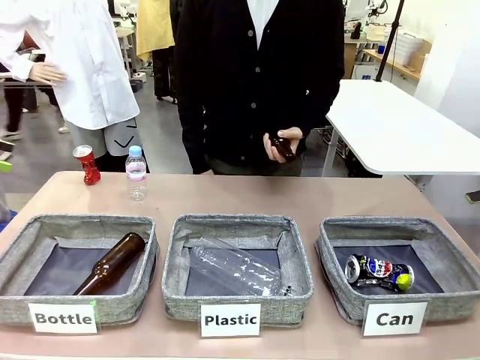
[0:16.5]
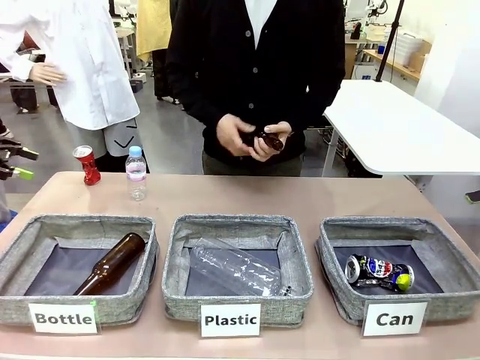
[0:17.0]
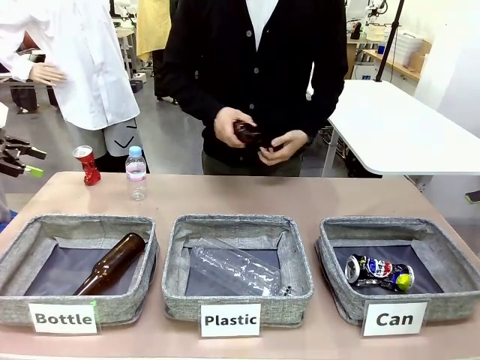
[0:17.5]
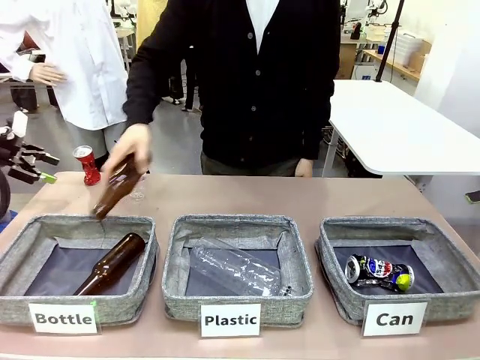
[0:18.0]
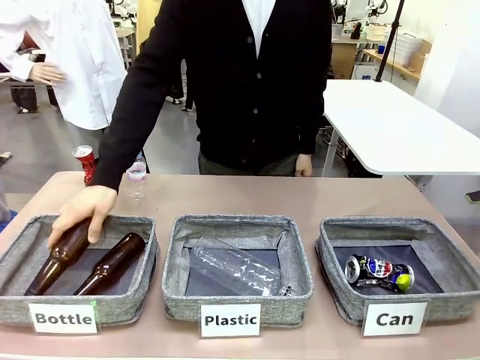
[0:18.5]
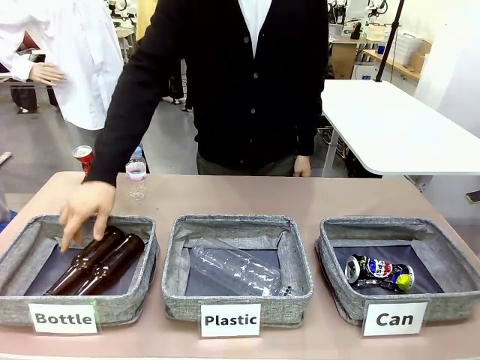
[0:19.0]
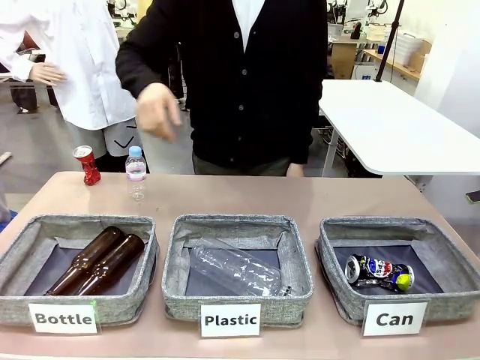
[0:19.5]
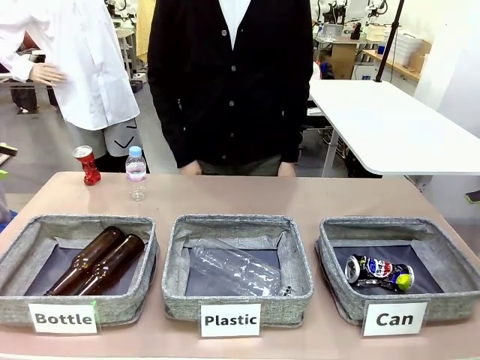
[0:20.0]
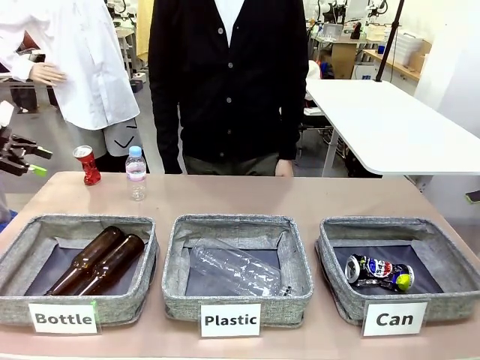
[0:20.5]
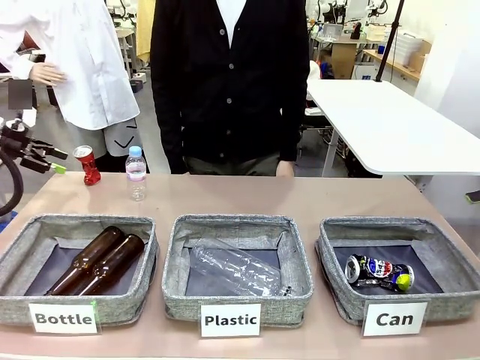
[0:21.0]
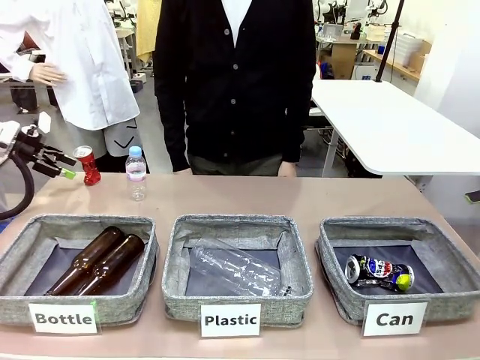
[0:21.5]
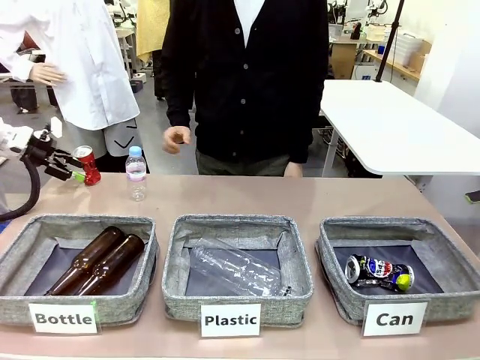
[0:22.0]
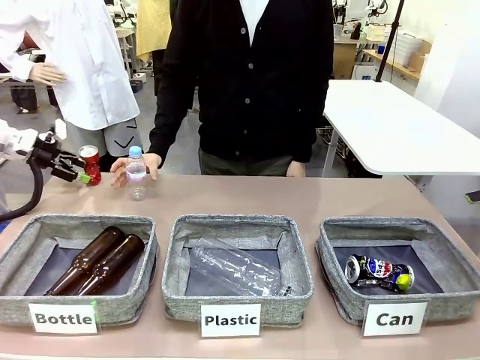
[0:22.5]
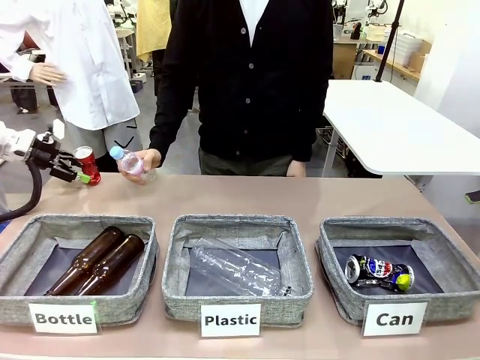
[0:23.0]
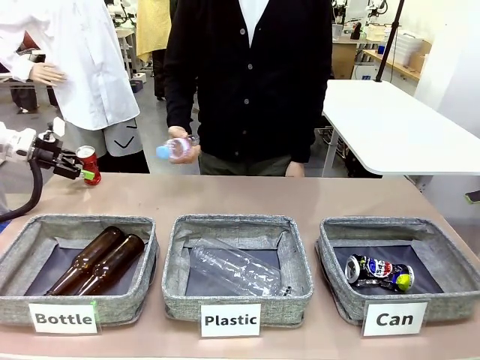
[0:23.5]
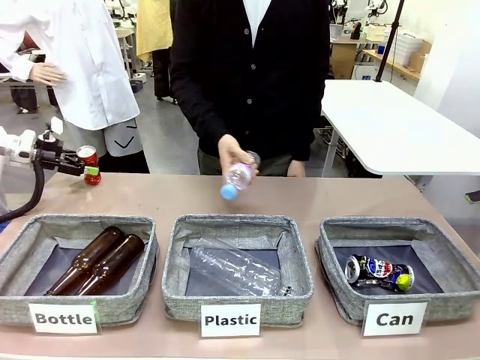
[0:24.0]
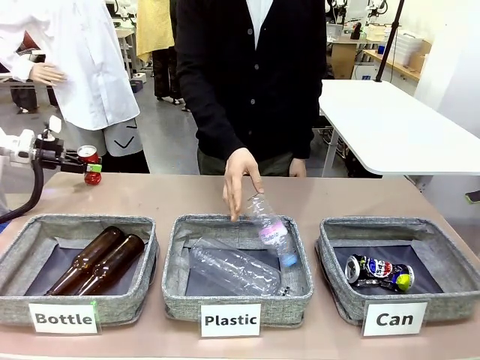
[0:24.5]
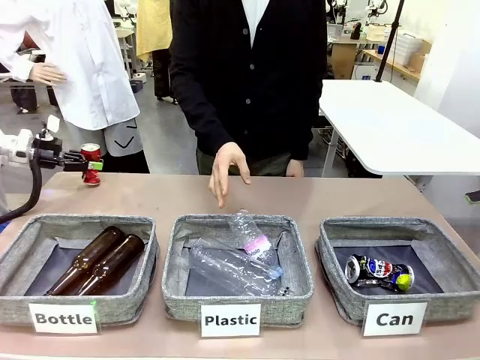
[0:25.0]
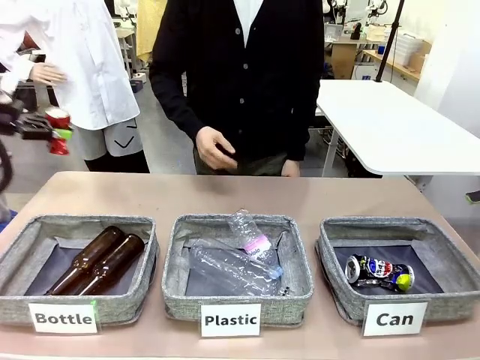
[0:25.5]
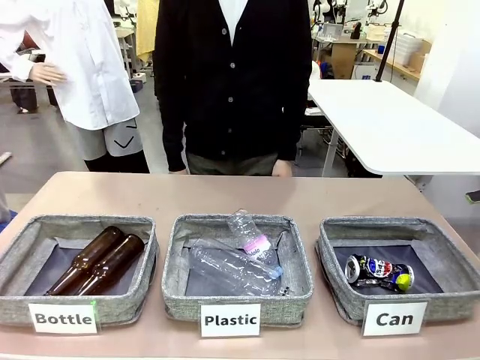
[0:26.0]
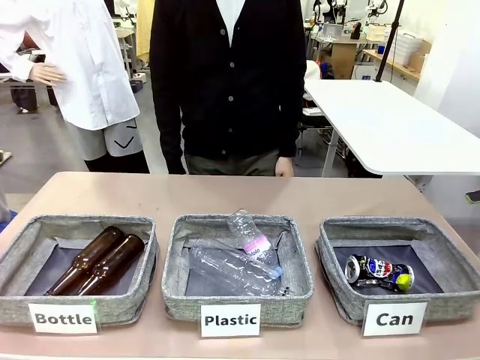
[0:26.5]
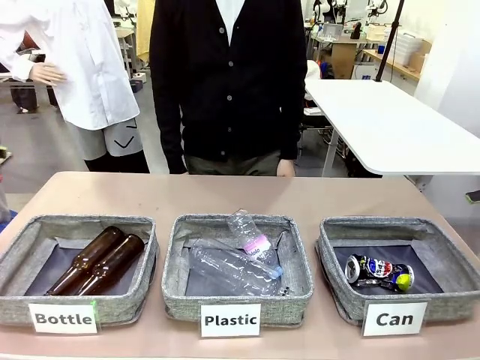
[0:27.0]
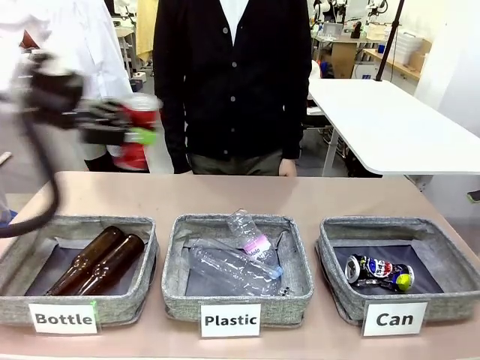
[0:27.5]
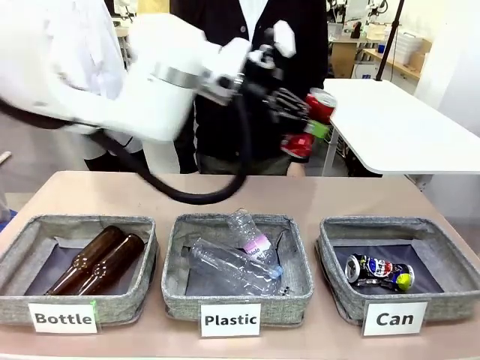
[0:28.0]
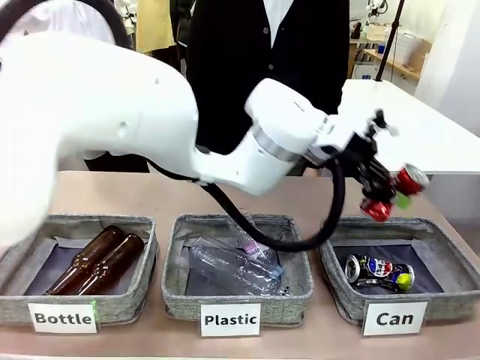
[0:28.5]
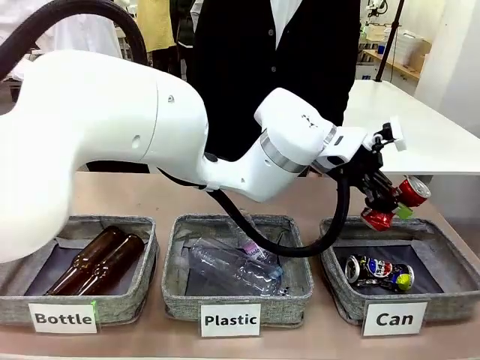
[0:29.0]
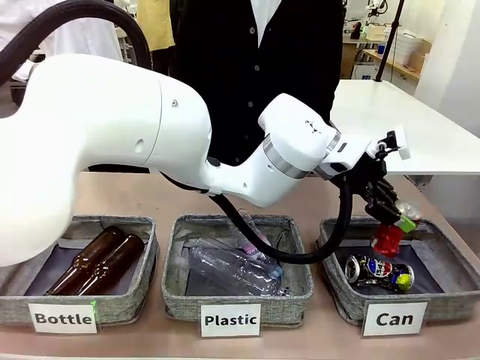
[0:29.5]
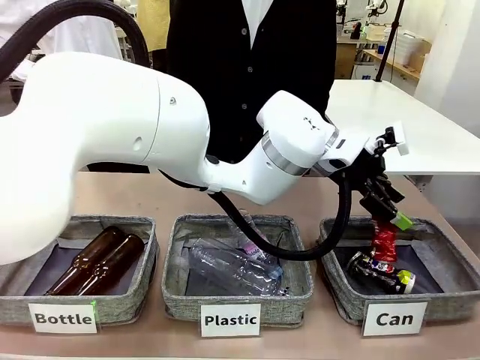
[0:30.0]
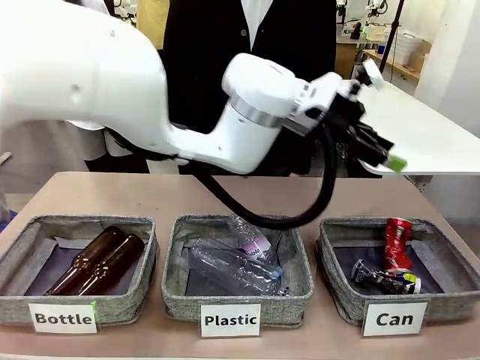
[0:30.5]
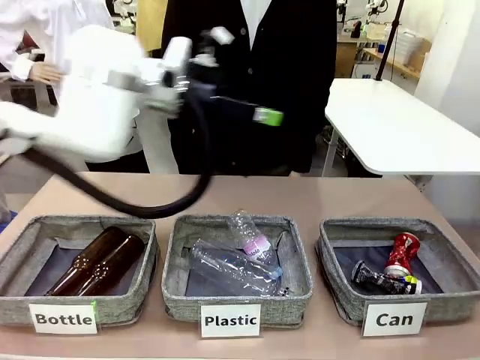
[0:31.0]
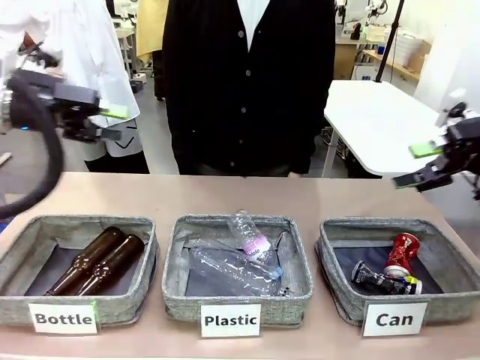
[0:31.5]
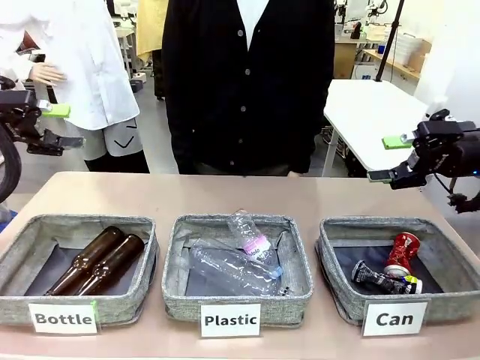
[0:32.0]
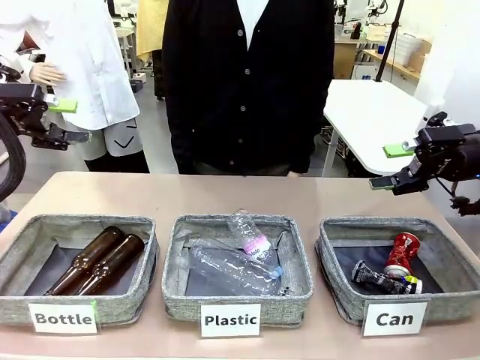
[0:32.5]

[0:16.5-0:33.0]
Task: Sort the can waste into the basket.
Robot: Pick up the can waste from the table and place it in the right Fabric basket.

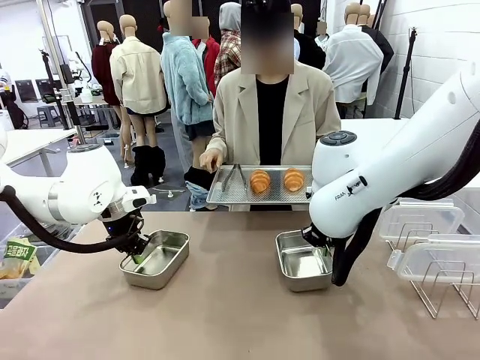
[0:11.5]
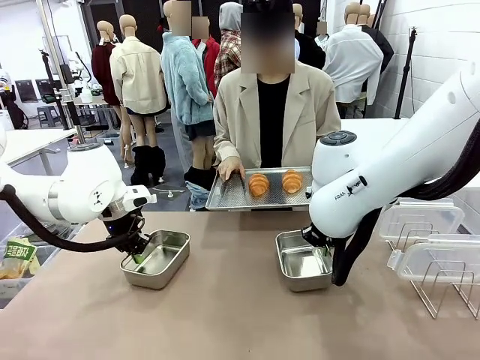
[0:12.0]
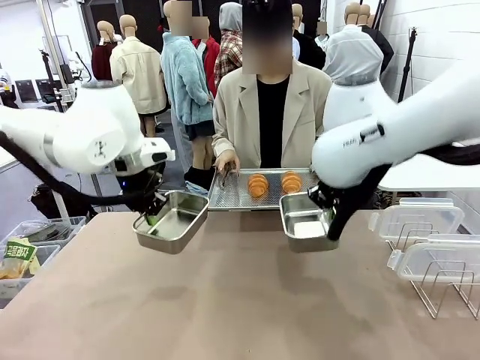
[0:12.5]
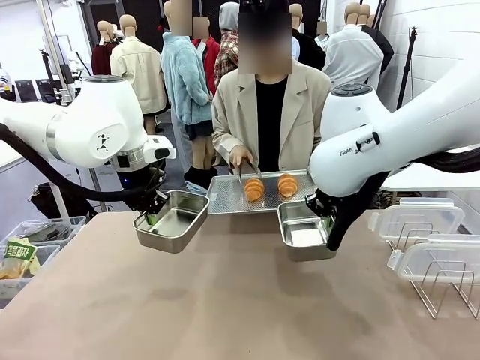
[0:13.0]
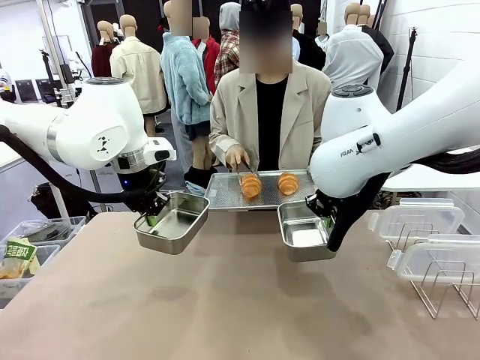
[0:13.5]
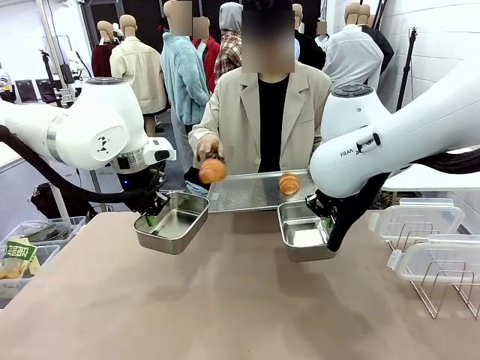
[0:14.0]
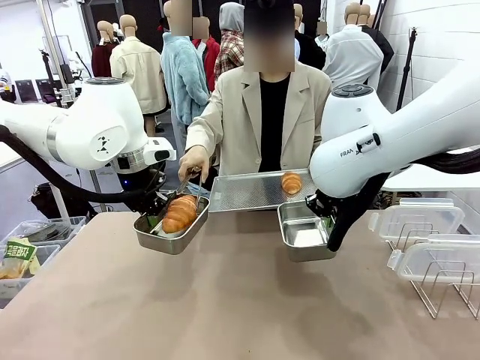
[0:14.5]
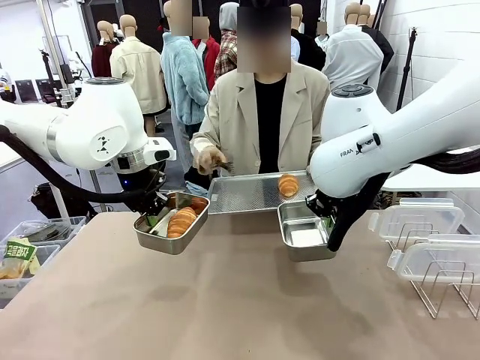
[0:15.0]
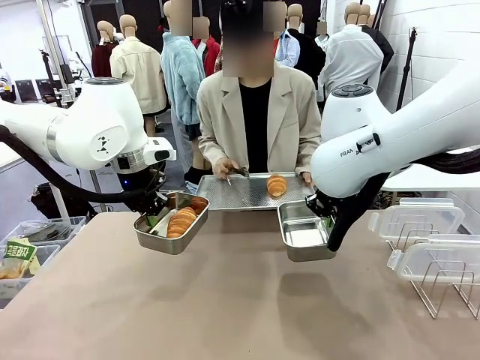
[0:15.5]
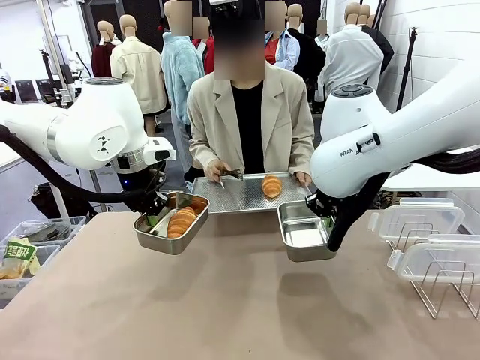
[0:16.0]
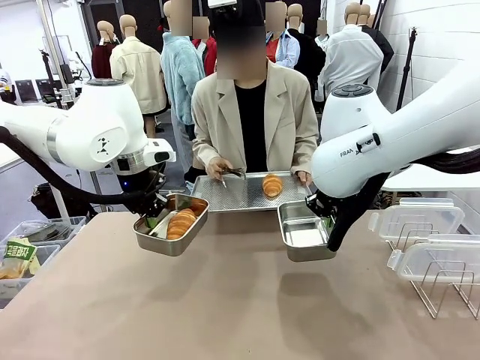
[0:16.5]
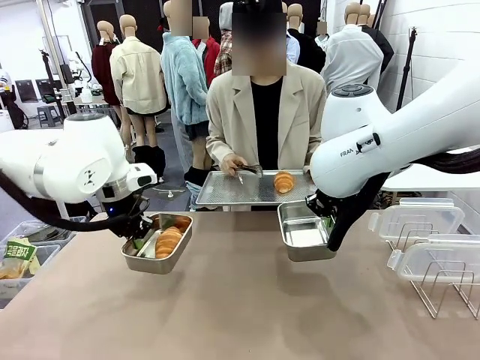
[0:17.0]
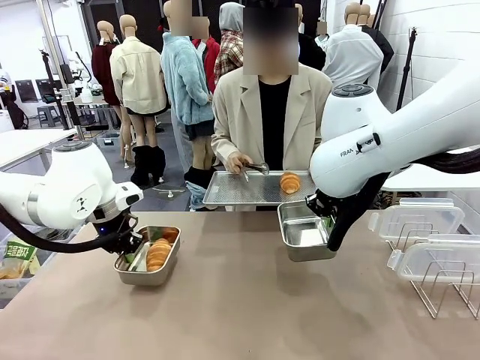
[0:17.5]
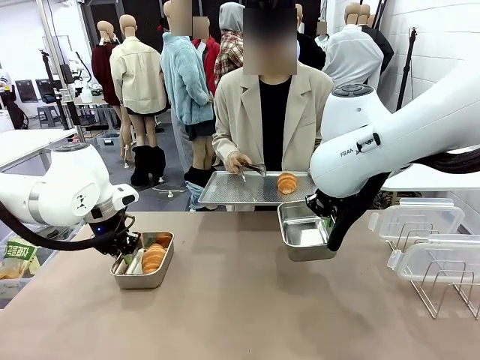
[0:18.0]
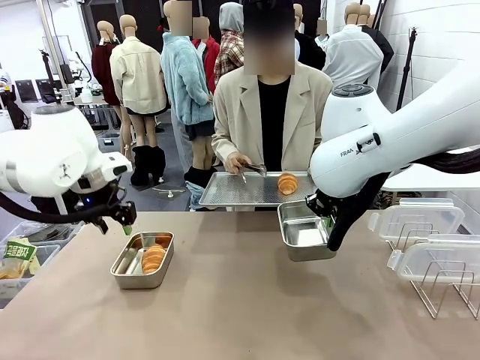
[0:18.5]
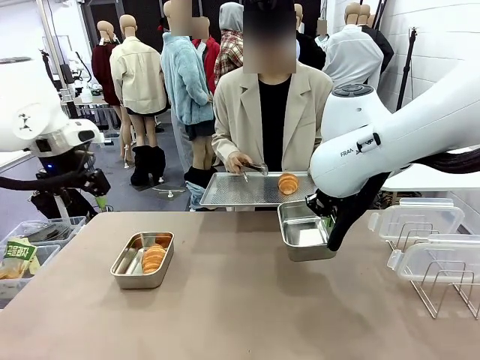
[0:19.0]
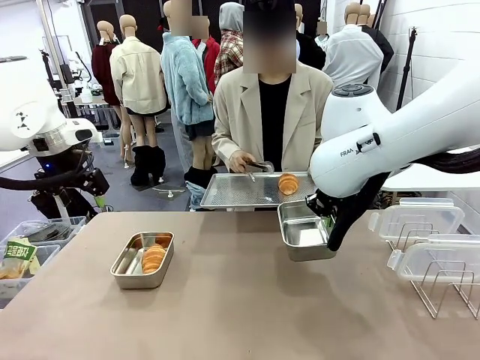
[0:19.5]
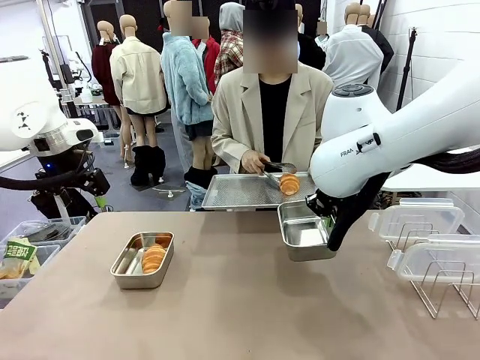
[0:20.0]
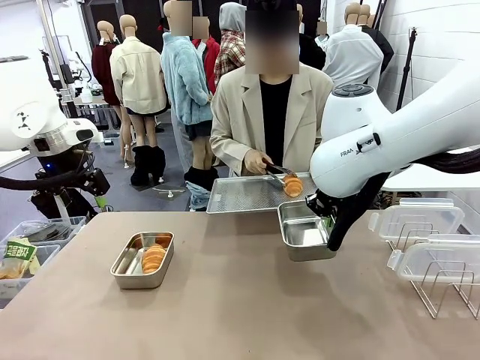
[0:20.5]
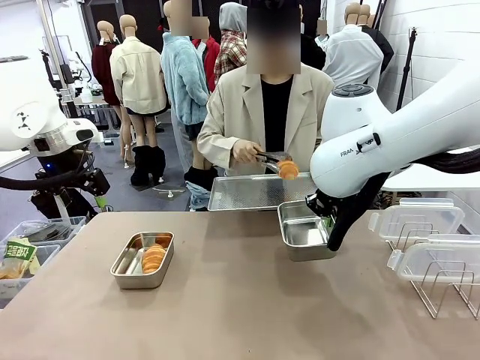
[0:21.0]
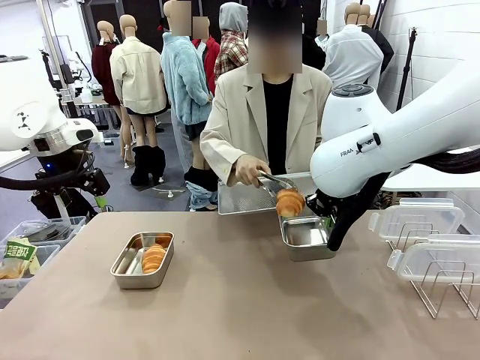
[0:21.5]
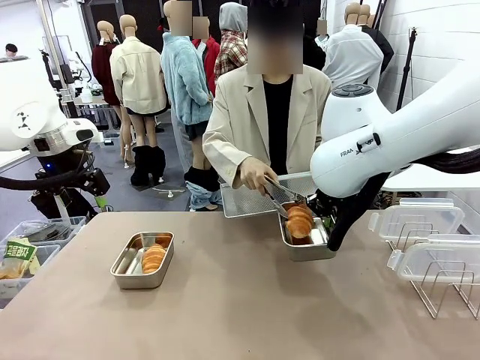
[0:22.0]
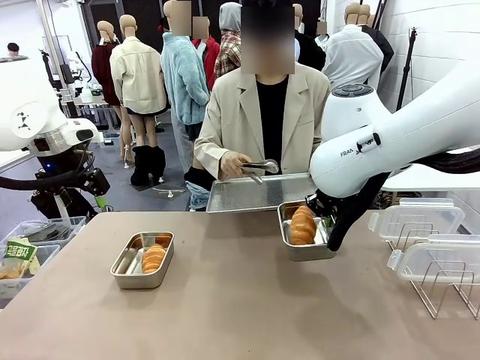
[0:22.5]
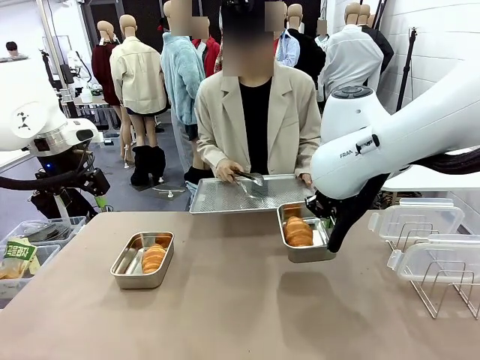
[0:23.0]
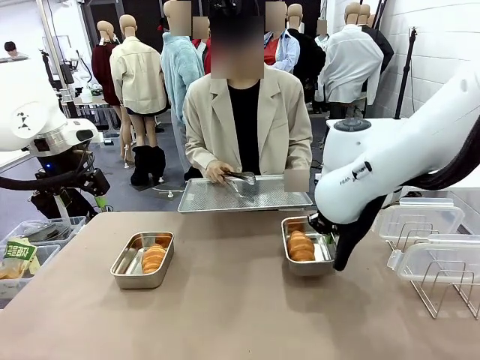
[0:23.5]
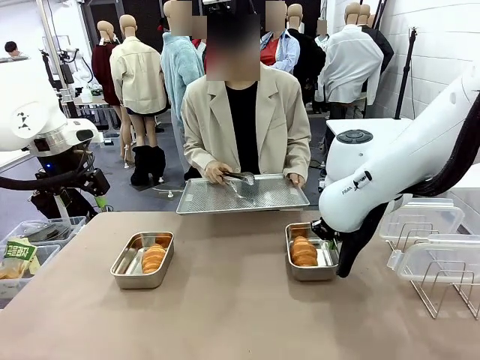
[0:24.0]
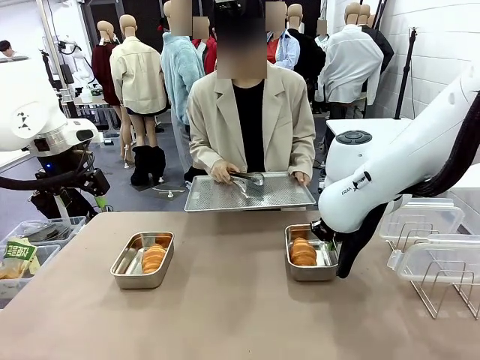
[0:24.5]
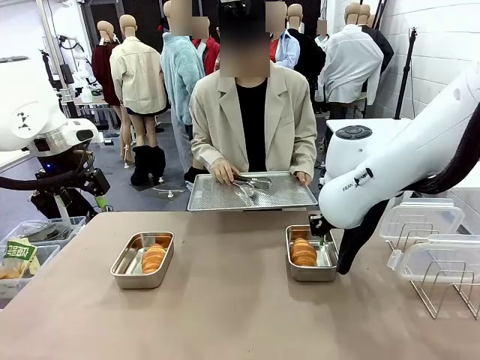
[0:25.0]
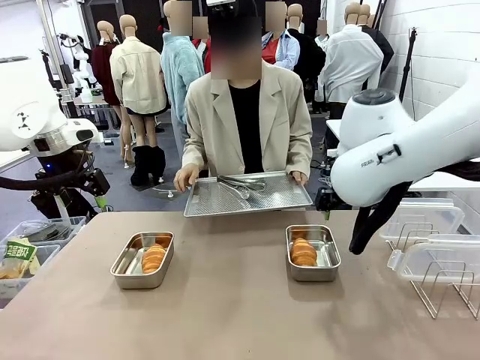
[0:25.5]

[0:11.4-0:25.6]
Task: Place the bread in airtight containers.
Robot: Once an object is inside an Airtight Container , place the container in the center of the table.
Person: Use the Stainless steel tongs to place one object from Baking Sheet into one Airtight Container.
